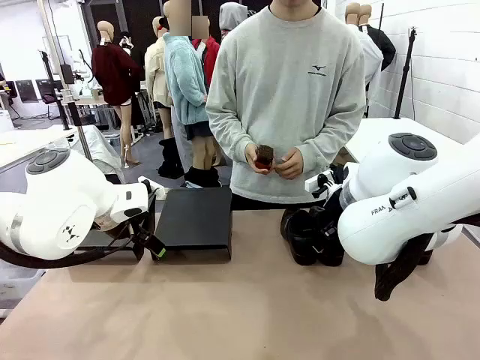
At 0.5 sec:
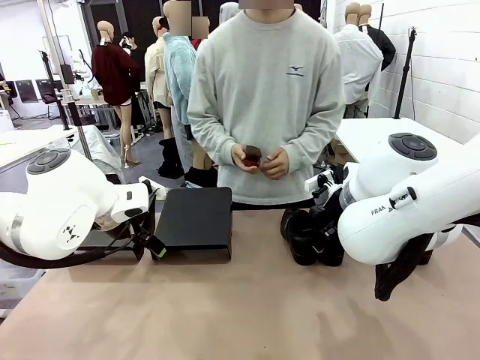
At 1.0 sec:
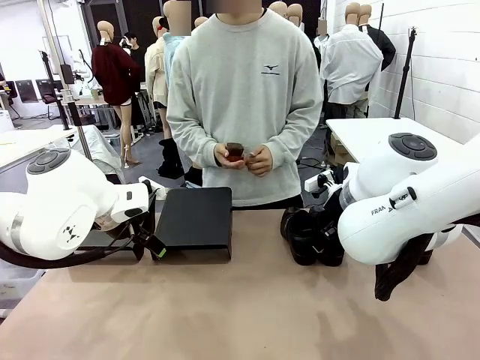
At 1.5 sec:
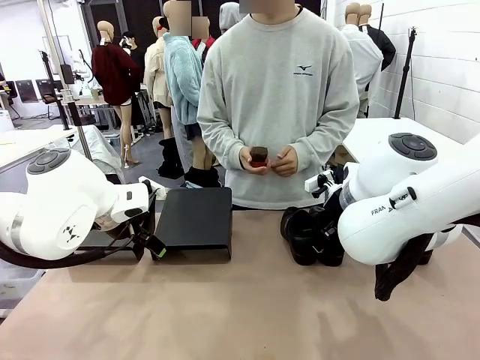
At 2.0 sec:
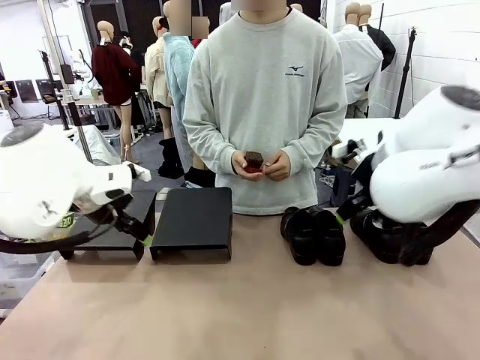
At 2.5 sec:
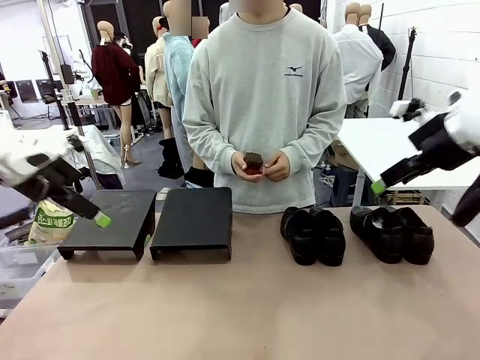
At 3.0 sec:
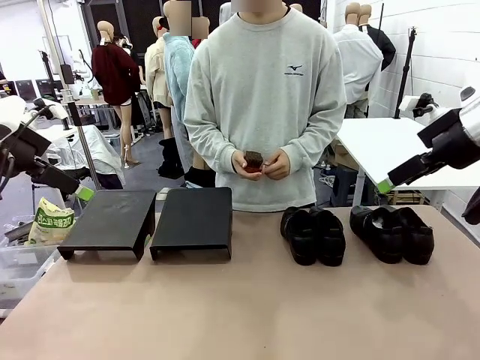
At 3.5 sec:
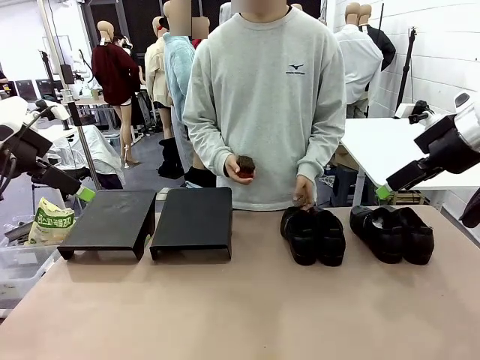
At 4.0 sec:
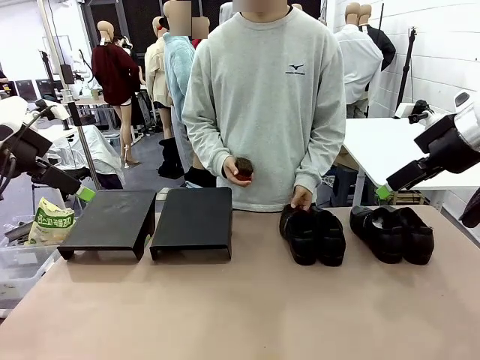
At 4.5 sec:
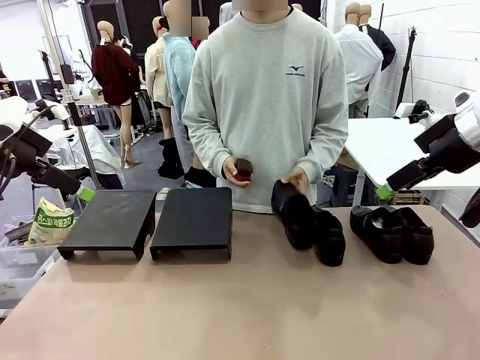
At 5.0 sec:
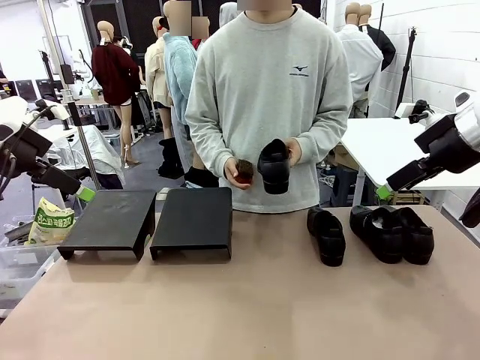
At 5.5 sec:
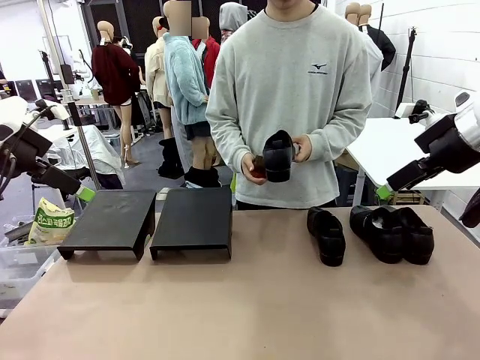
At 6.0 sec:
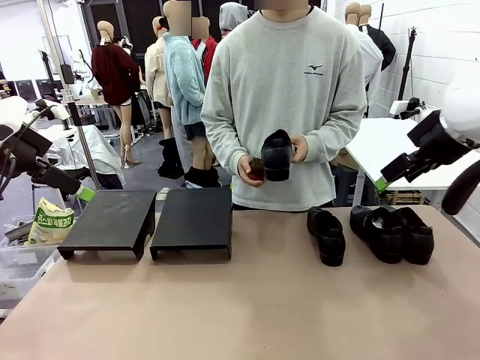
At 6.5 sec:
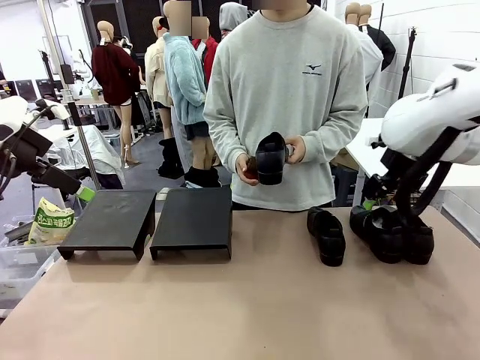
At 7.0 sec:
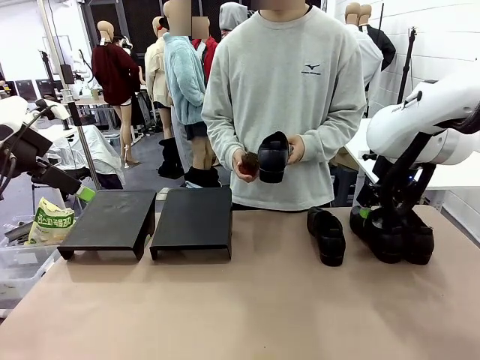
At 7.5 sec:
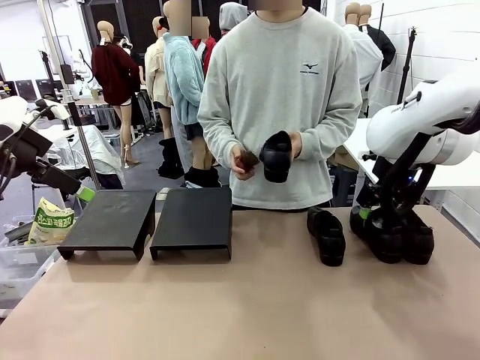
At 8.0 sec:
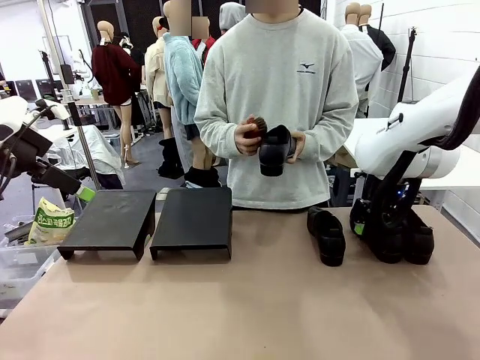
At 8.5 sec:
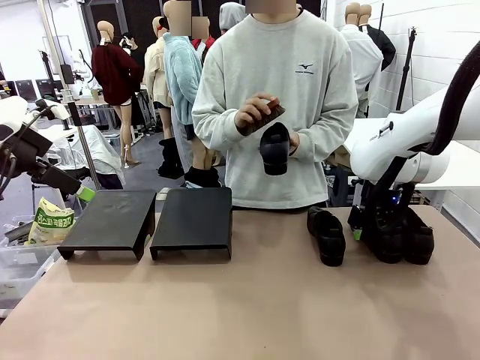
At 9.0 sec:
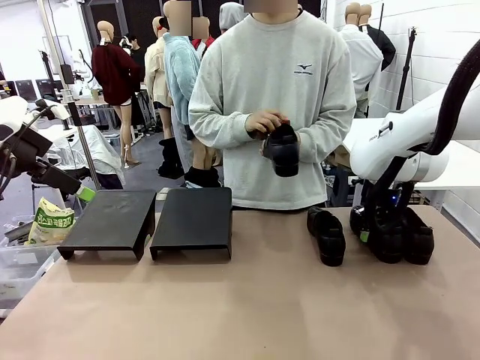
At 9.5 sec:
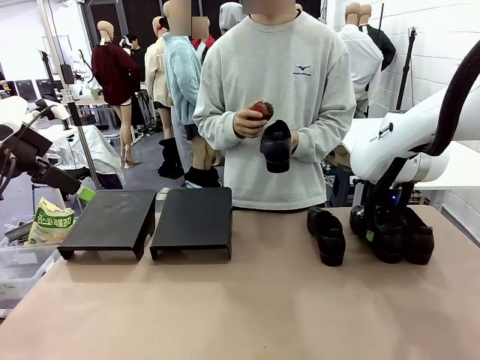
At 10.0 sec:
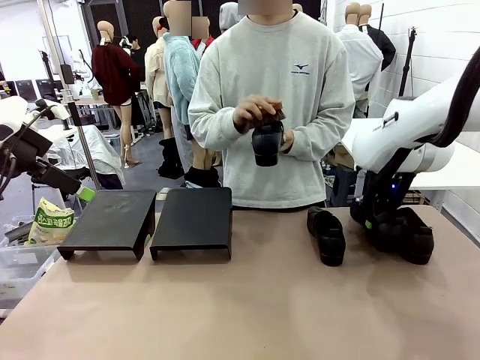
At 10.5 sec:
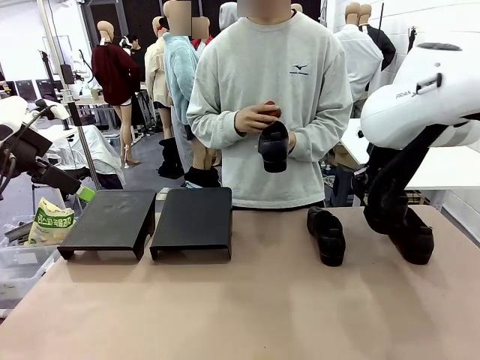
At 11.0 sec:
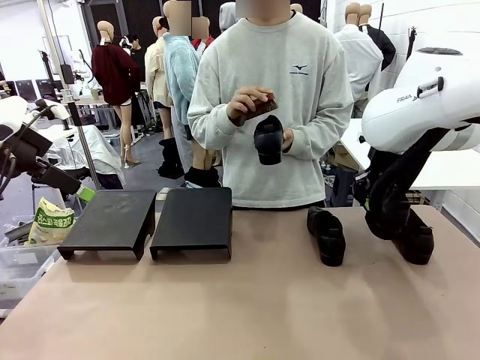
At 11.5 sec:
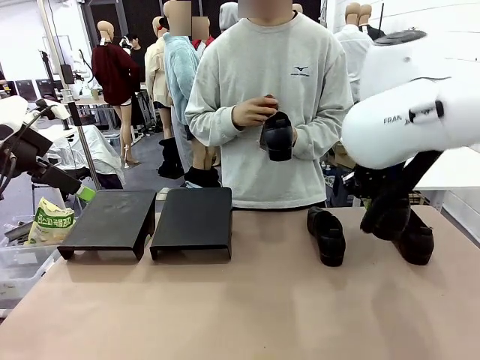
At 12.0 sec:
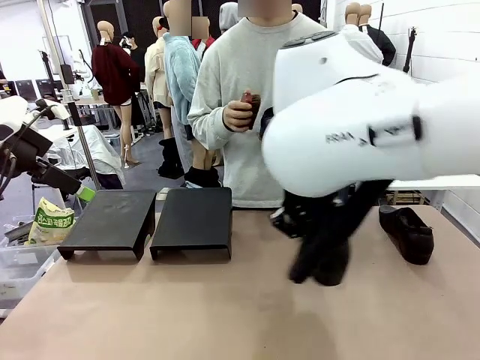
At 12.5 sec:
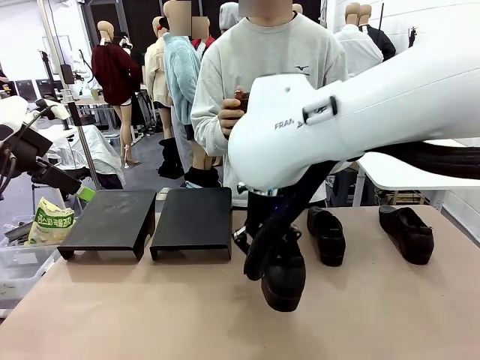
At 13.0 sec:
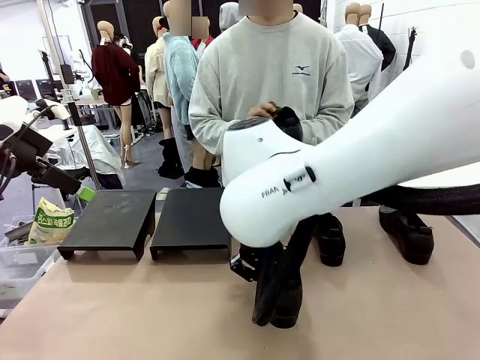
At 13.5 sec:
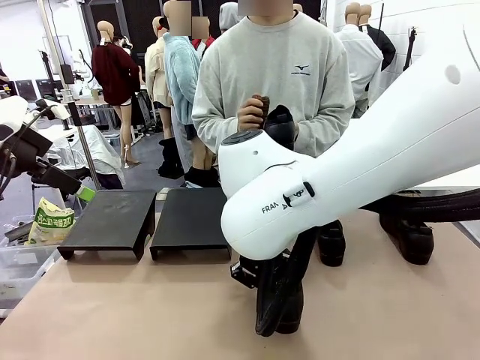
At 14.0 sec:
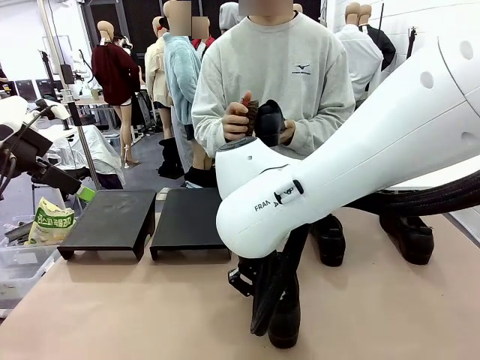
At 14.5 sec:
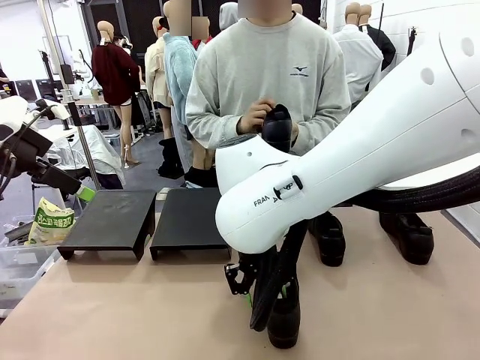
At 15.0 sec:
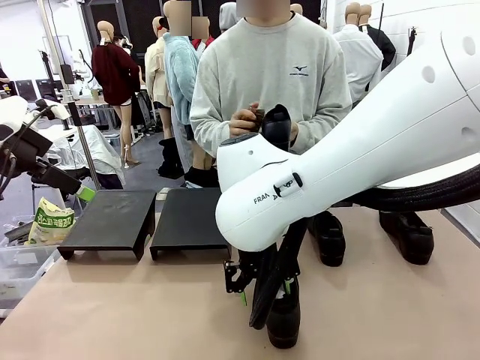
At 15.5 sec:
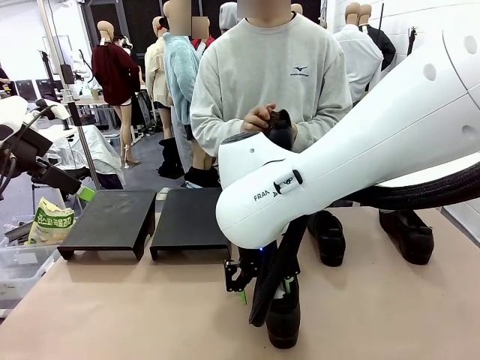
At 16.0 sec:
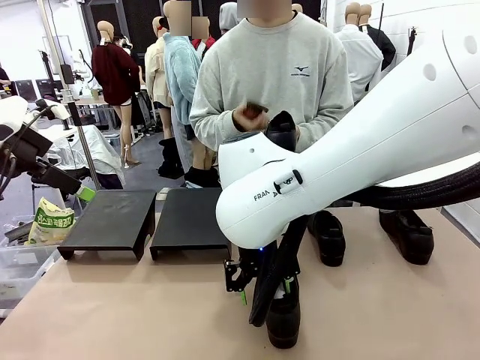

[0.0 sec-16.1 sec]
Task: Organize the shoes by placing them on the stand.
Robot: Pick up one Shoe and place it in the middle of the table.
Person: Pick one Shoe on Robot's table.
